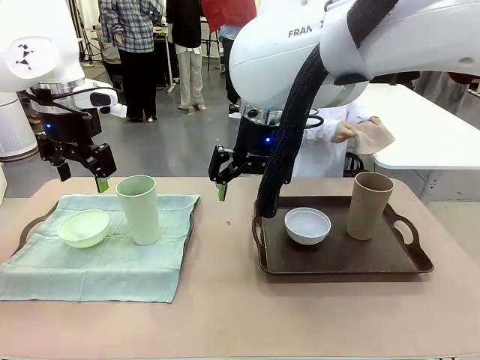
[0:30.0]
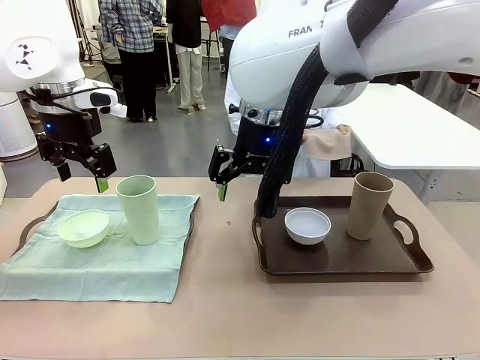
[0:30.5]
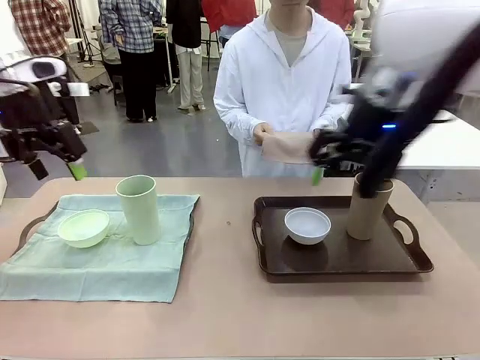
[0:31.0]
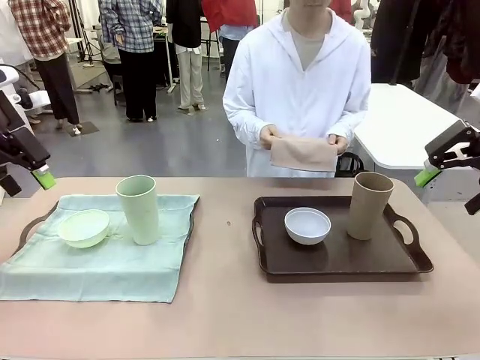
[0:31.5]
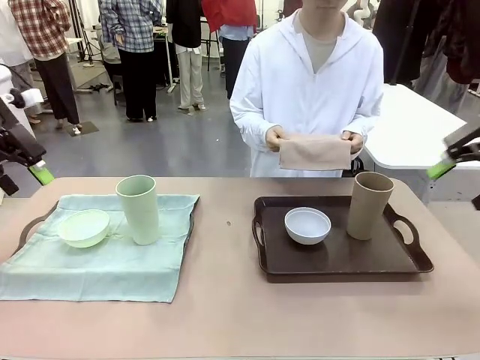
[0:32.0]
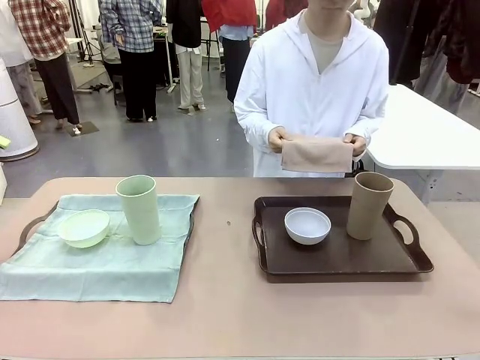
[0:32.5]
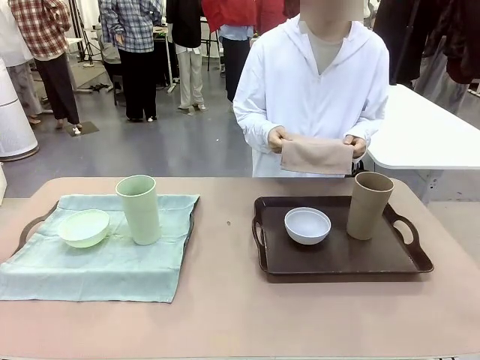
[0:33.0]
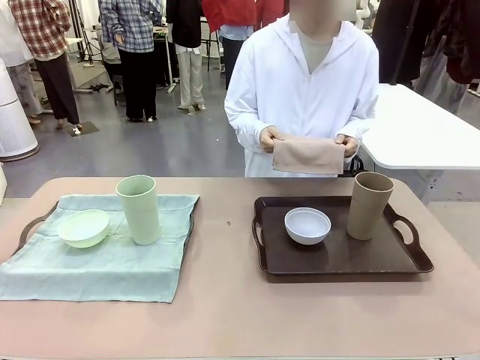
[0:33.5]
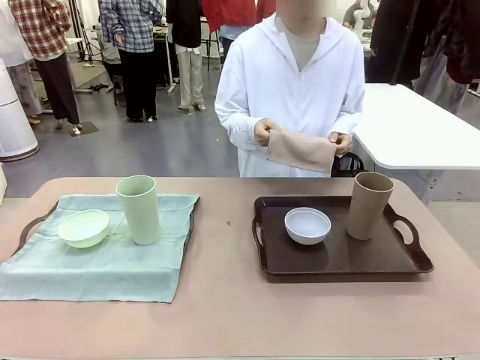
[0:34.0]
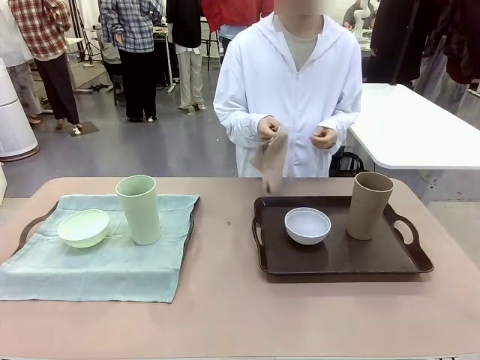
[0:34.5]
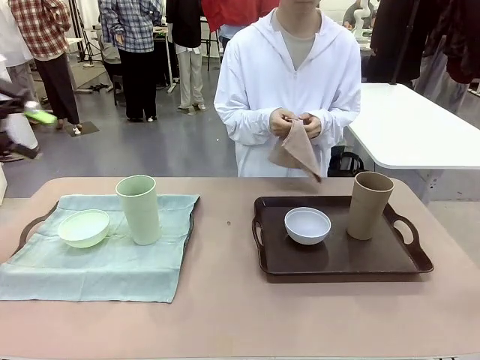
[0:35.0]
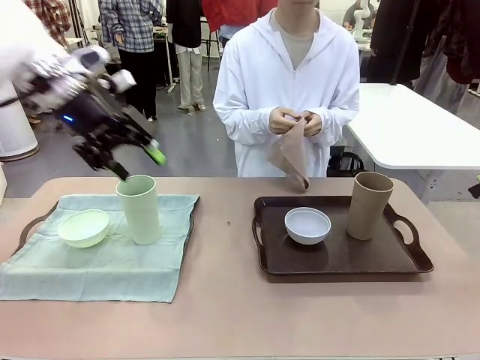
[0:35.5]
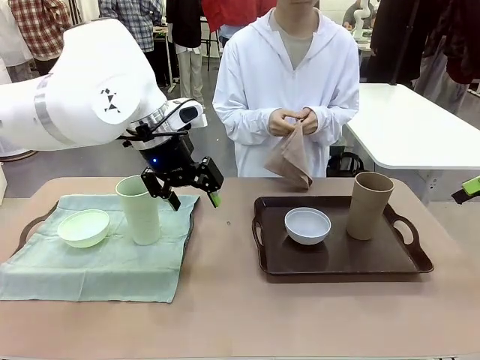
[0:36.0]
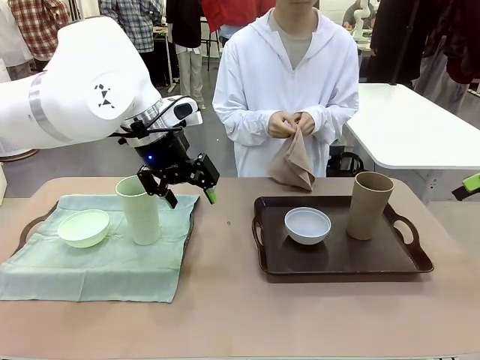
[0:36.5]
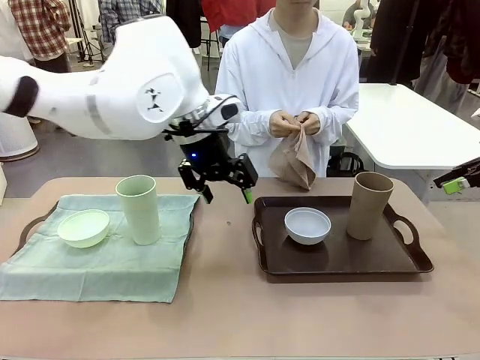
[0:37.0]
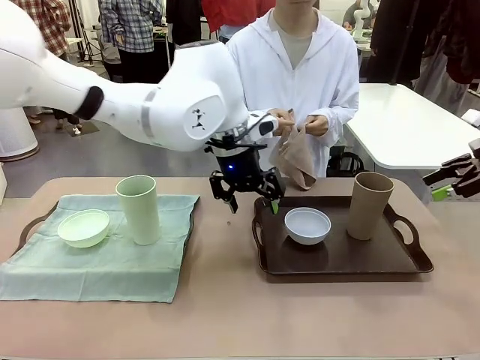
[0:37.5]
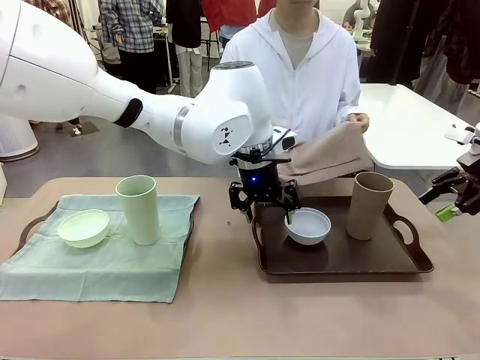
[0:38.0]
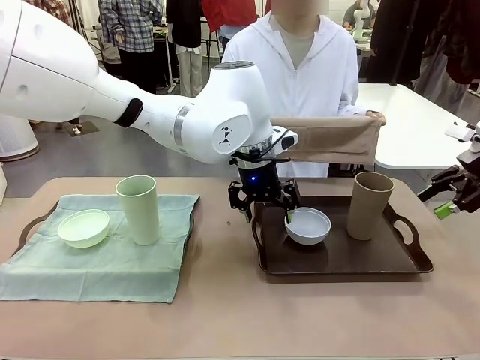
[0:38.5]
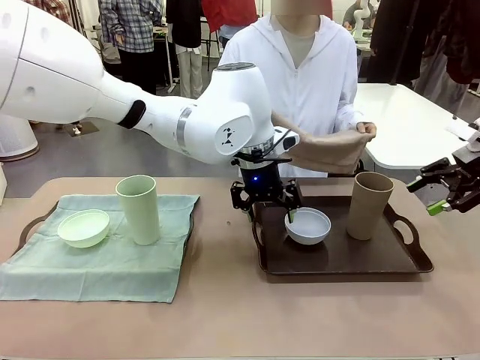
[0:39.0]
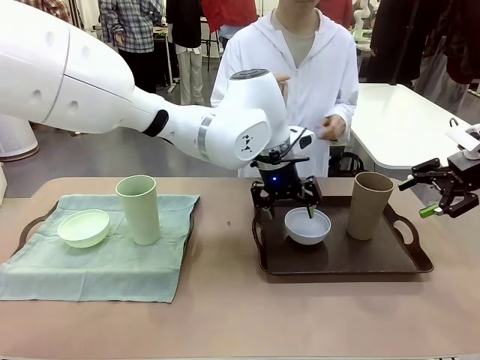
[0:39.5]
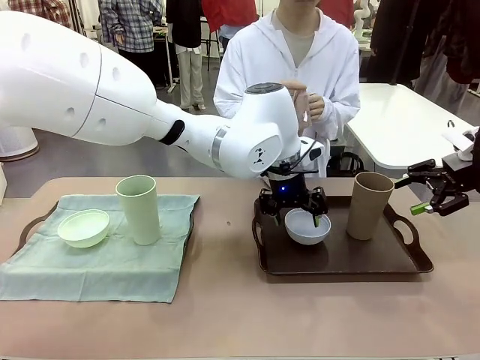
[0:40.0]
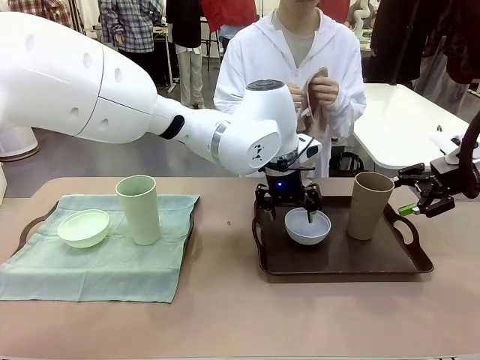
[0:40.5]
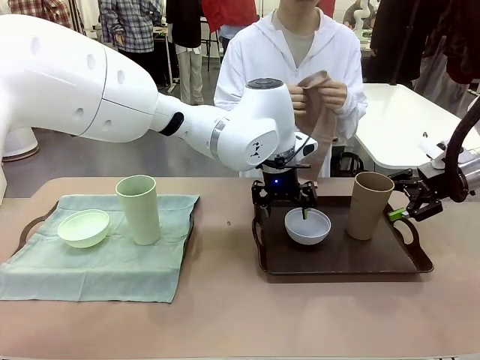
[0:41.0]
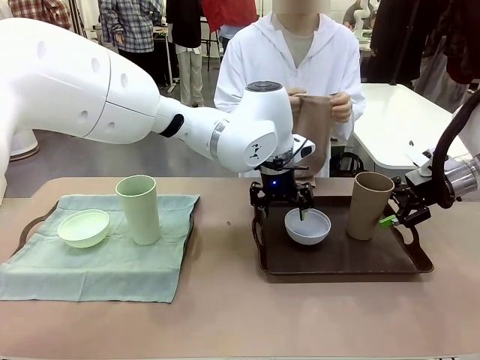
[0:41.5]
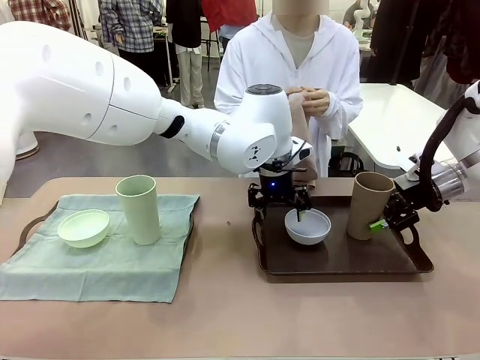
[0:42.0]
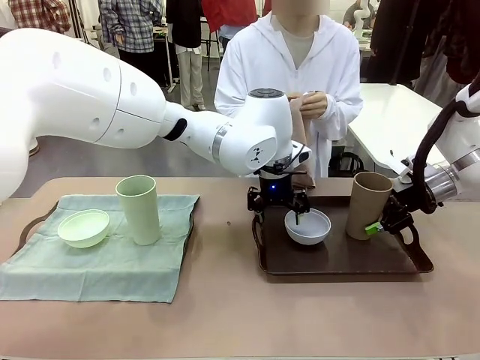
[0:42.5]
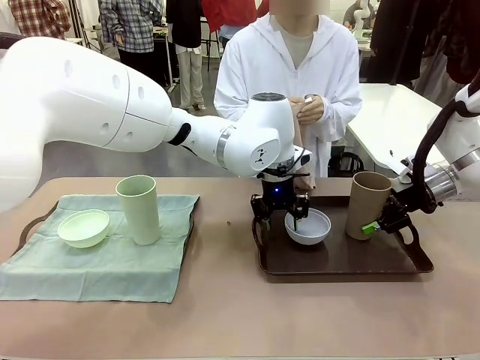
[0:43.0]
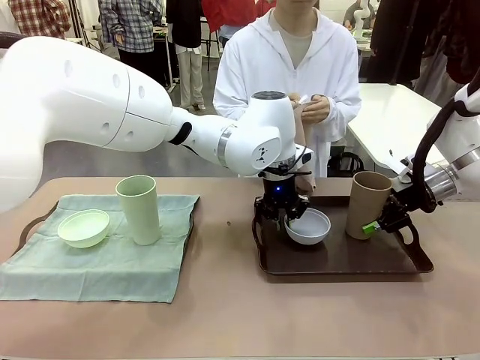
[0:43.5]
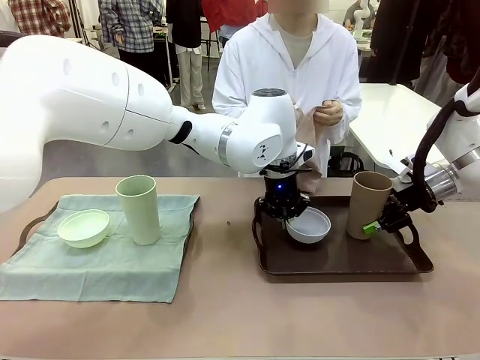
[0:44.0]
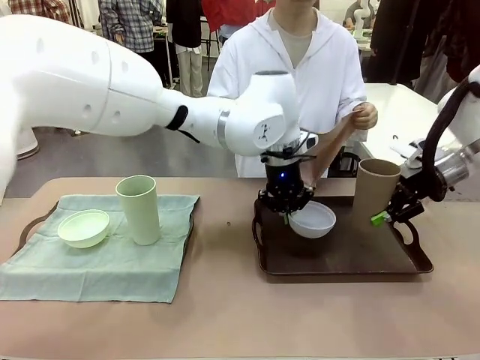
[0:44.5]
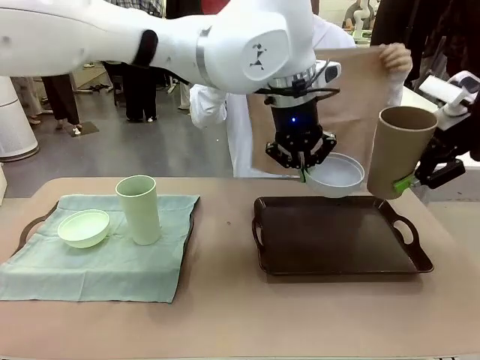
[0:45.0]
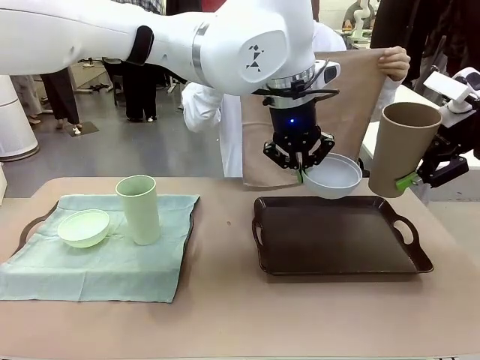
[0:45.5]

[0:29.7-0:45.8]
Robot: Pick up the Picnic Bowl and Reusable plastic cup from the Handle tray in front of the human's position and hold them in the air.

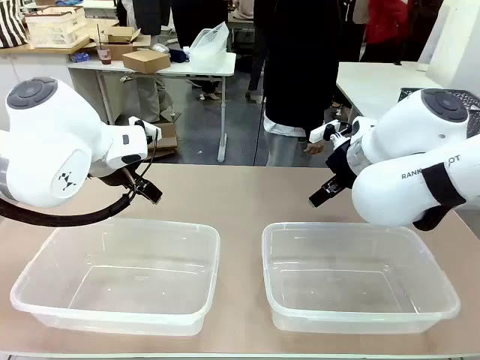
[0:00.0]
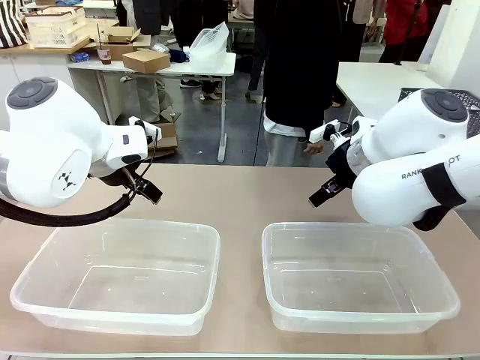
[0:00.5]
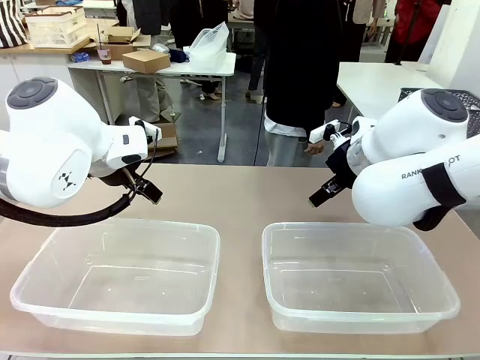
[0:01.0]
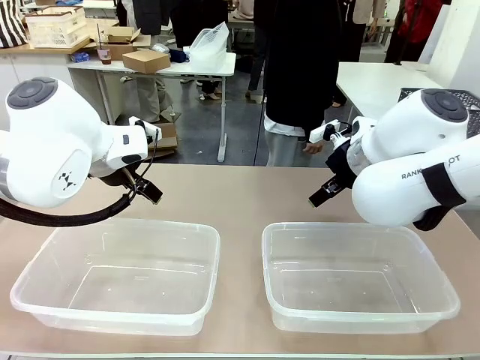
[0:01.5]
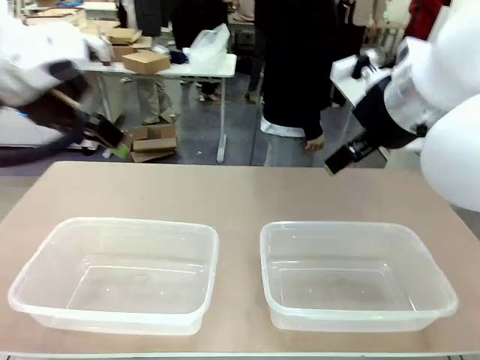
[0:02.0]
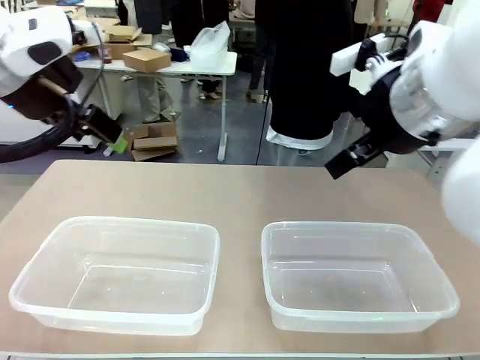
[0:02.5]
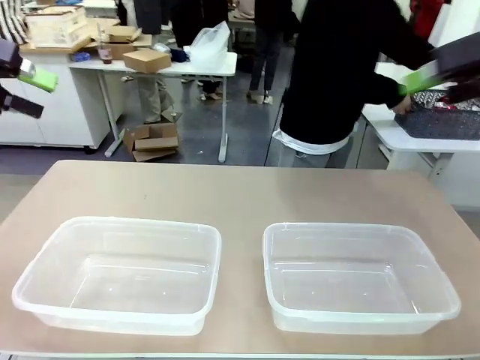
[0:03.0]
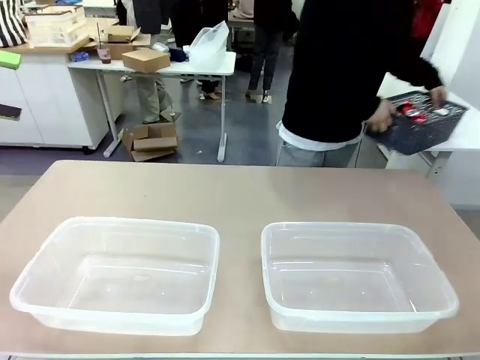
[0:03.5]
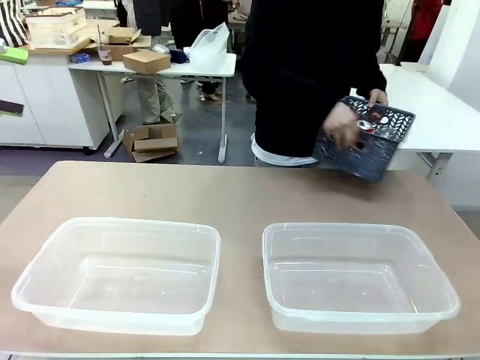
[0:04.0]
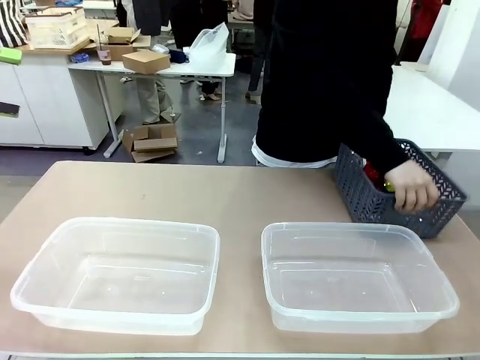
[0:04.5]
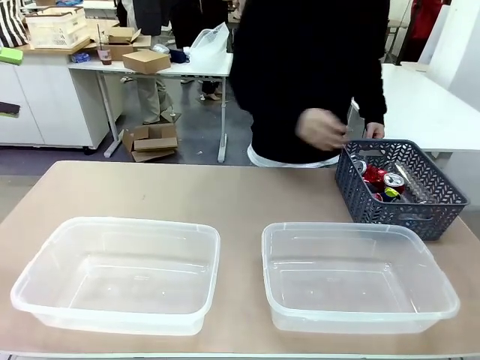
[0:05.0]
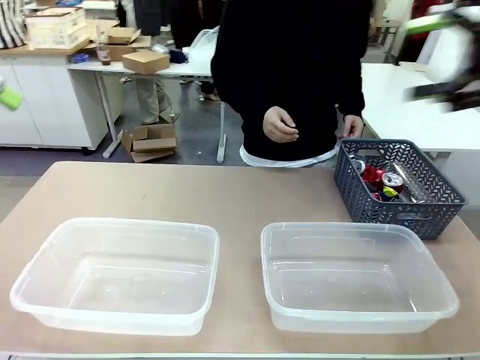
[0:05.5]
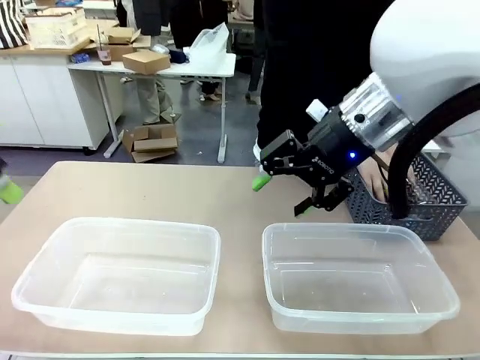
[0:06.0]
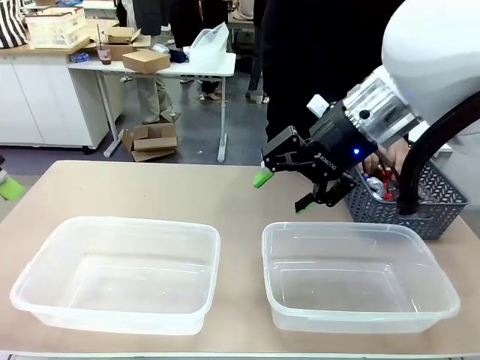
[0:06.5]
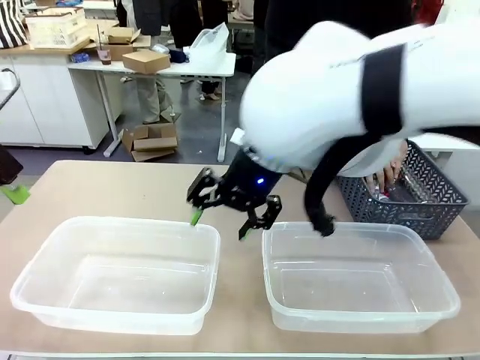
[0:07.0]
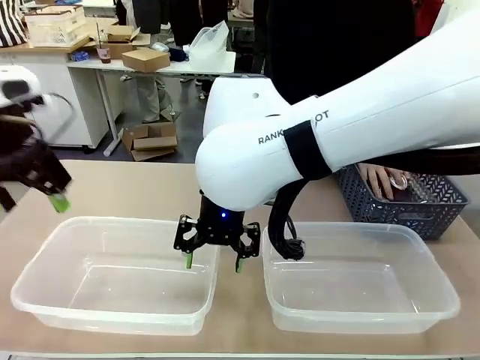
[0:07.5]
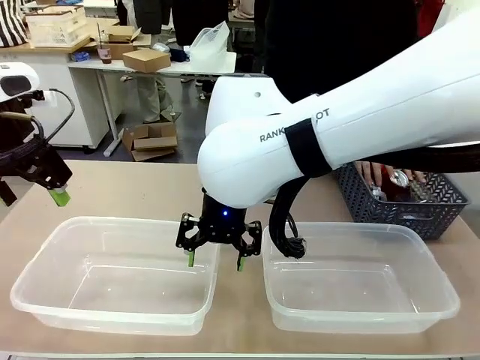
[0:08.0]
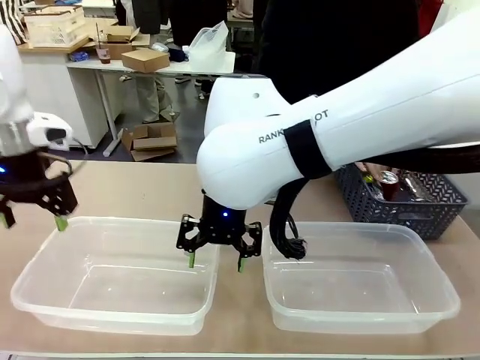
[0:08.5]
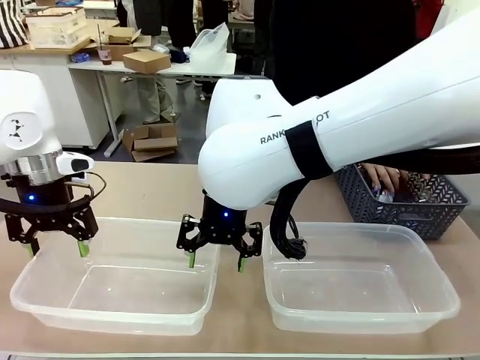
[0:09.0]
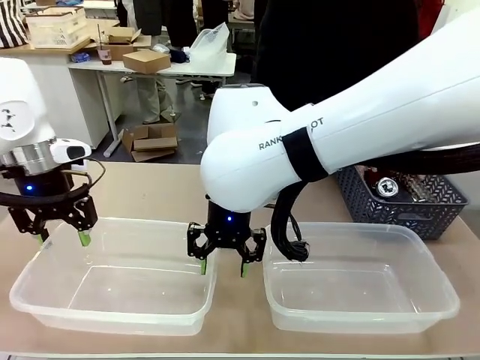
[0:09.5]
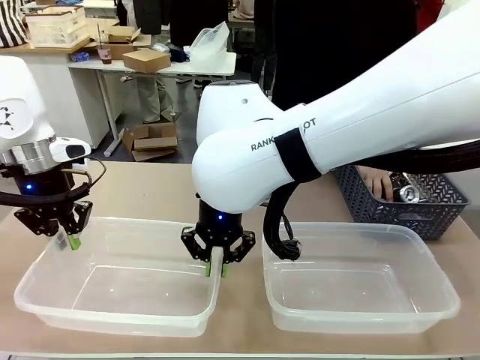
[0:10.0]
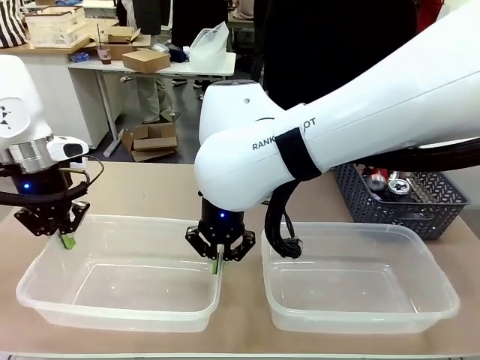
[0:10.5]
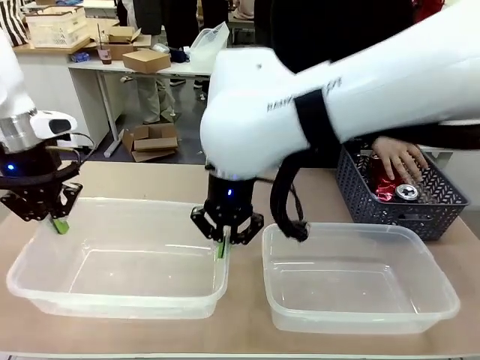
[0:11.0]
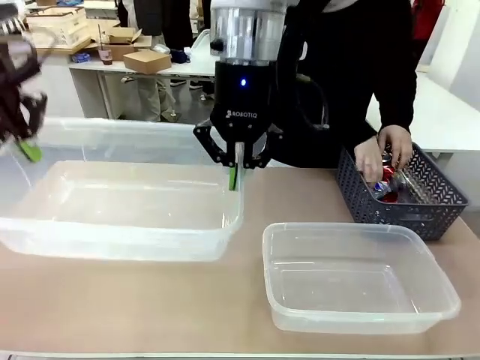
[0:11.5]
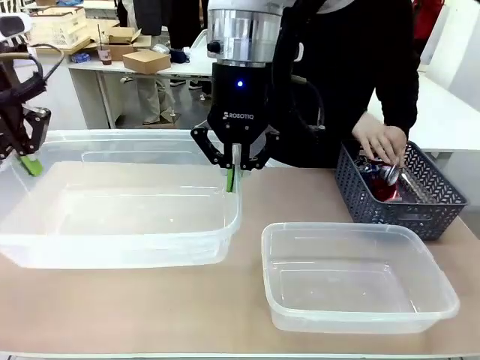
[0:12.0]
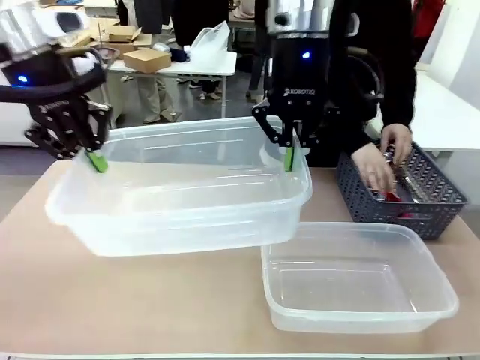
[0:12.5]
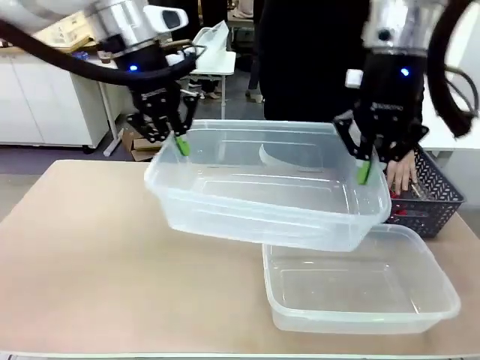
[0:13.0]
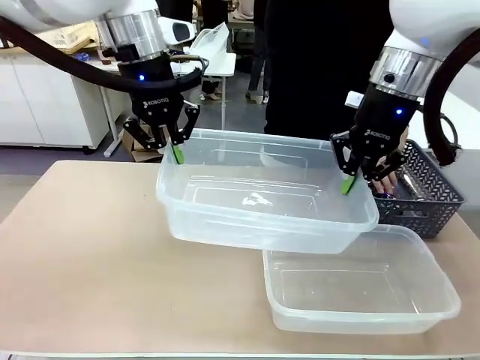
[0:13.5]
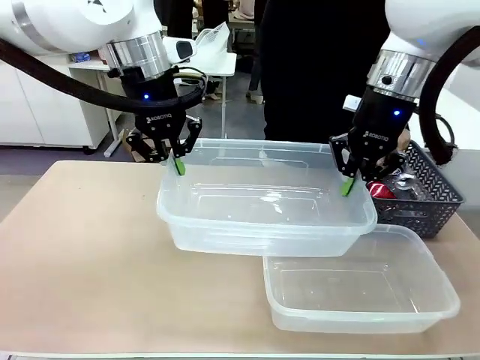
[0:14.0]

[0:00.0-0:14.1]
Robot: Pick up the Organizing box on the left side of the table and lift it.
Person: Pick up the storage basket and place it on the left side of the robot table. Pick up can-shaped waste one by one and place it into the organizing box lifted by the robot.
